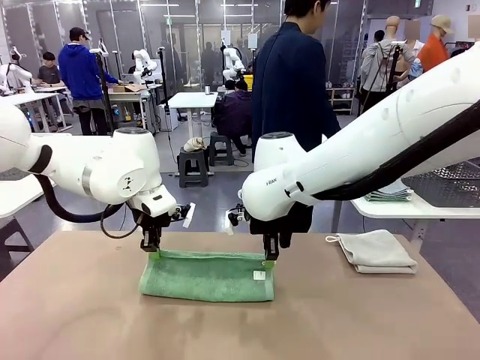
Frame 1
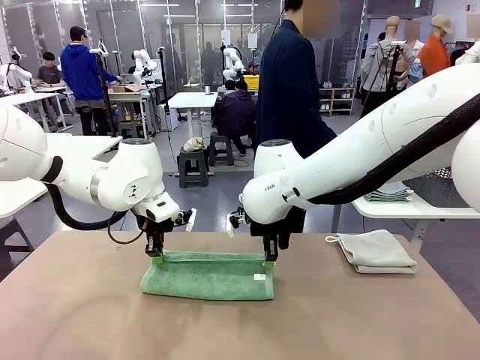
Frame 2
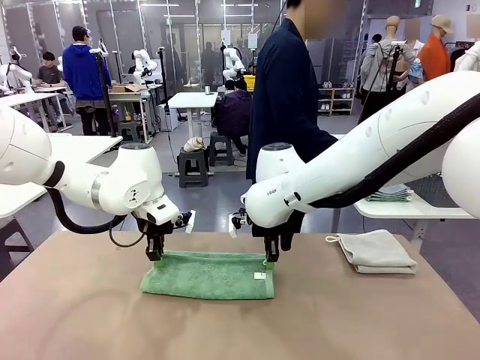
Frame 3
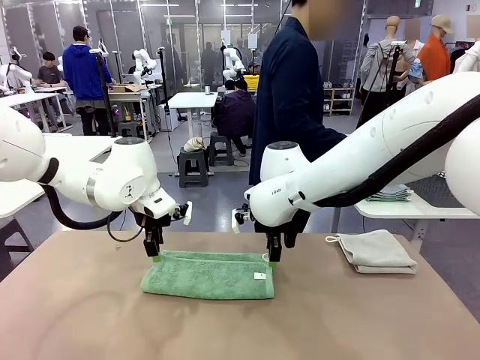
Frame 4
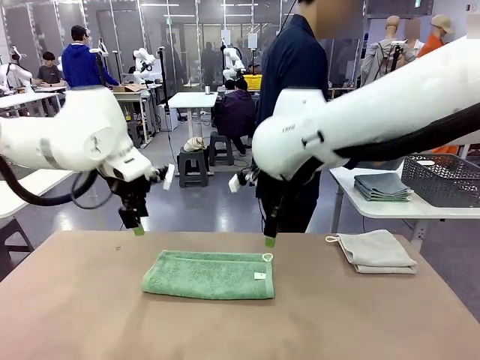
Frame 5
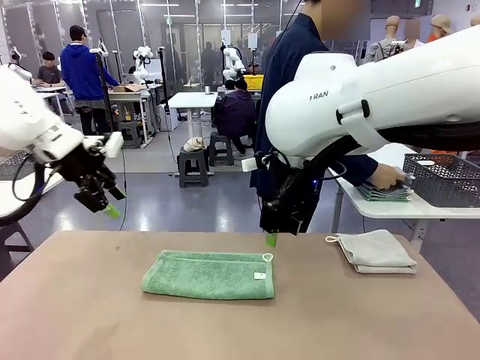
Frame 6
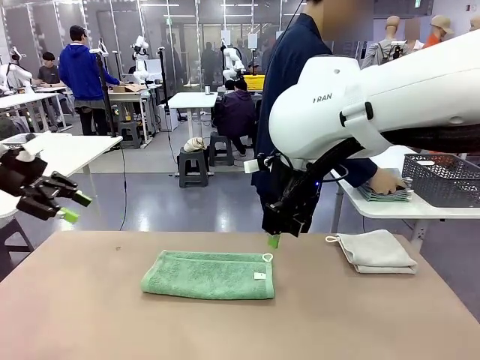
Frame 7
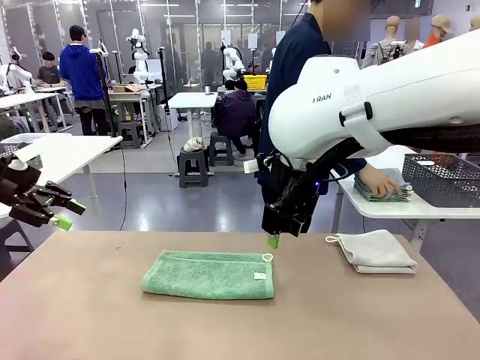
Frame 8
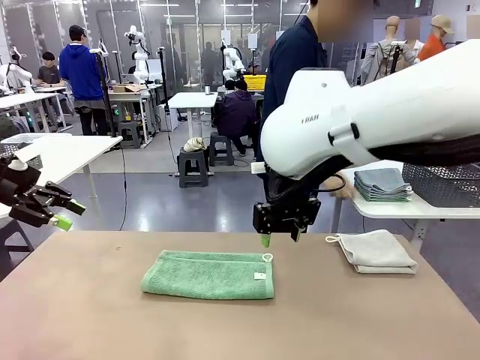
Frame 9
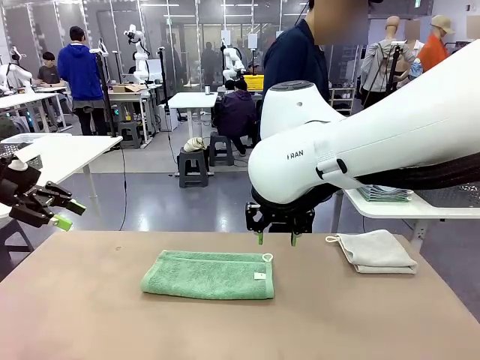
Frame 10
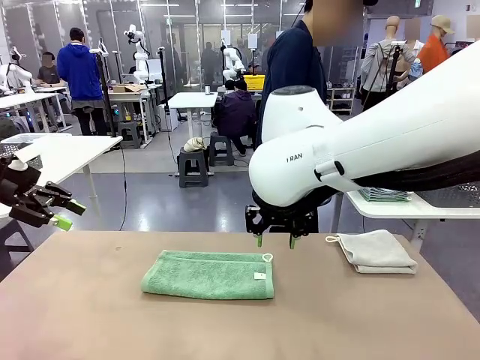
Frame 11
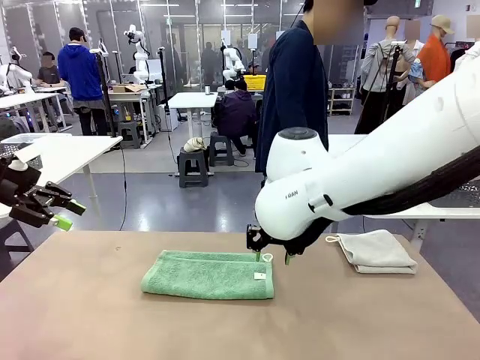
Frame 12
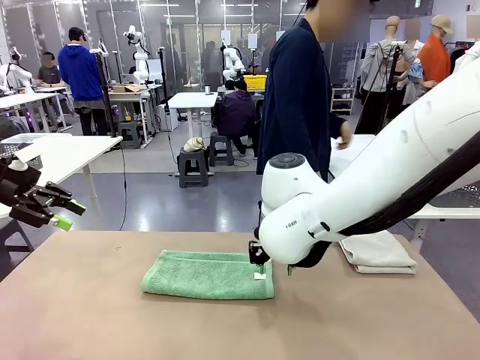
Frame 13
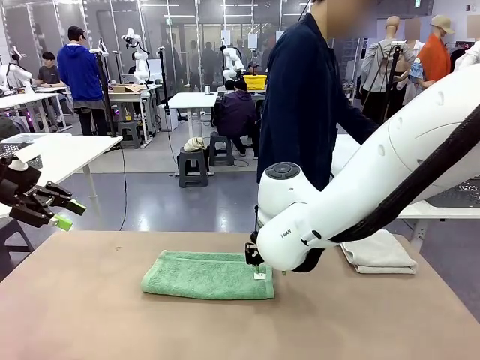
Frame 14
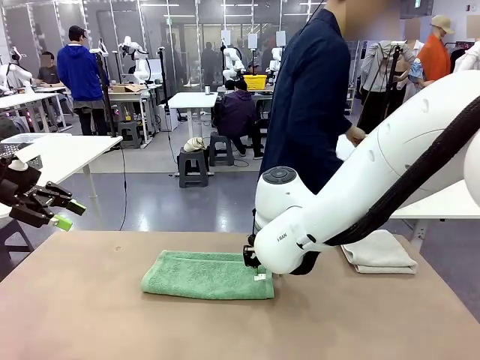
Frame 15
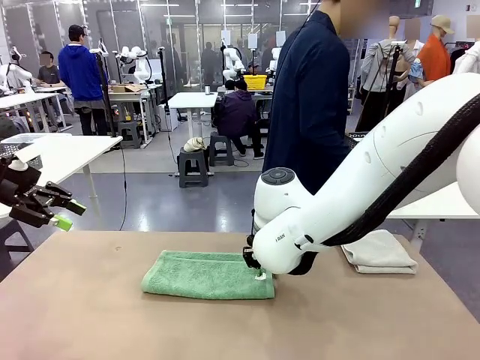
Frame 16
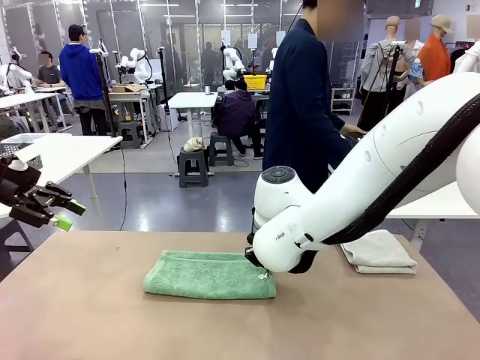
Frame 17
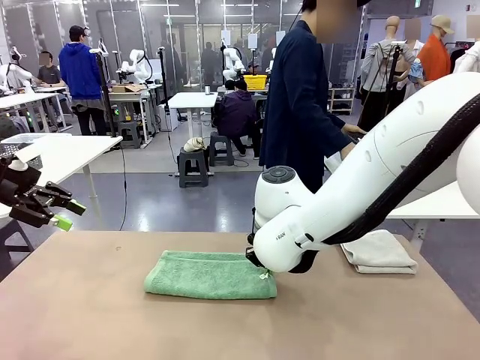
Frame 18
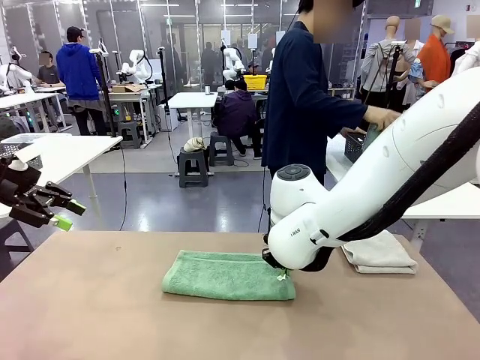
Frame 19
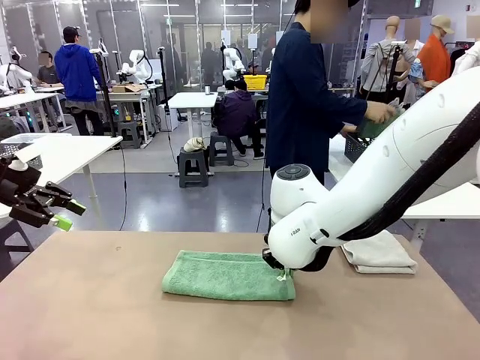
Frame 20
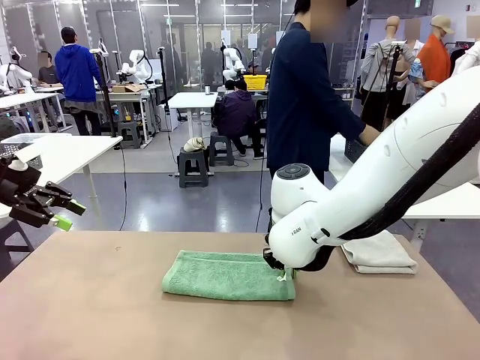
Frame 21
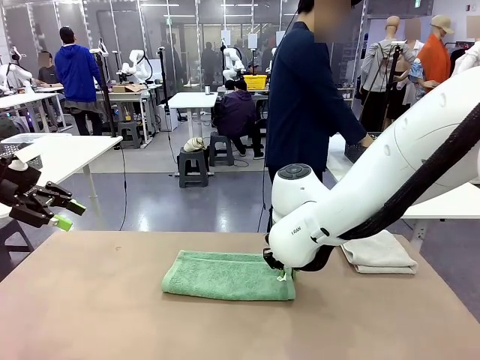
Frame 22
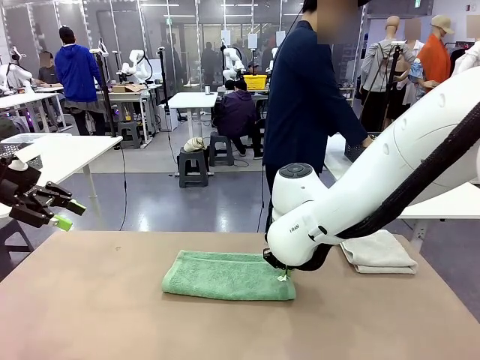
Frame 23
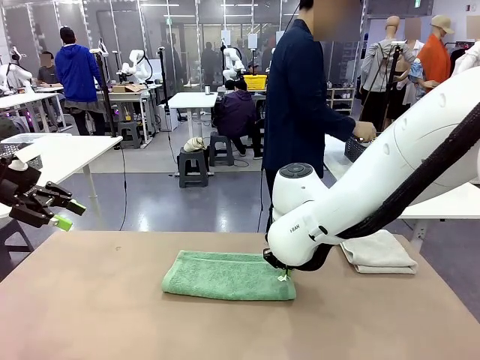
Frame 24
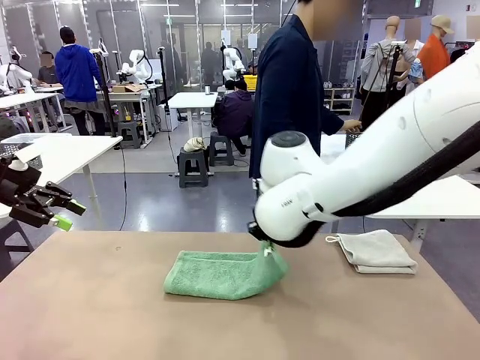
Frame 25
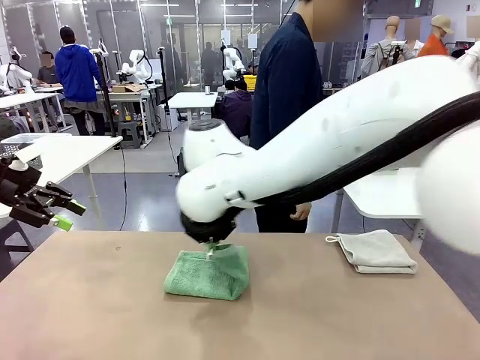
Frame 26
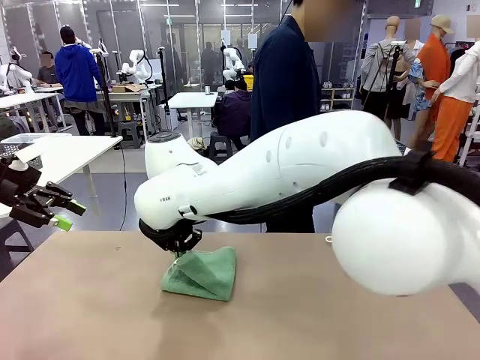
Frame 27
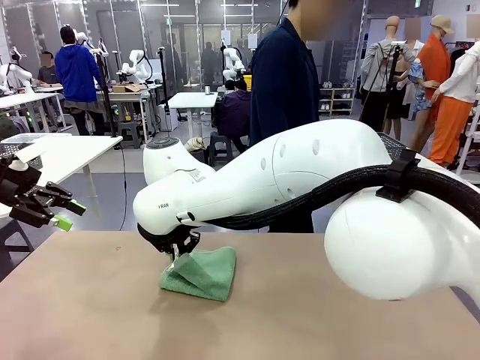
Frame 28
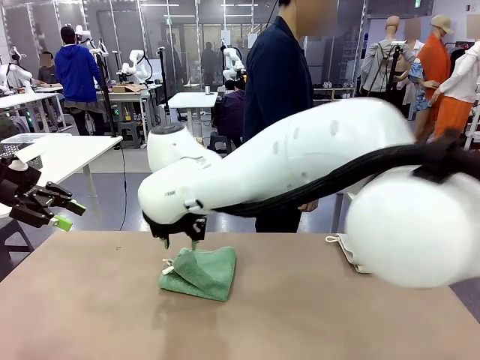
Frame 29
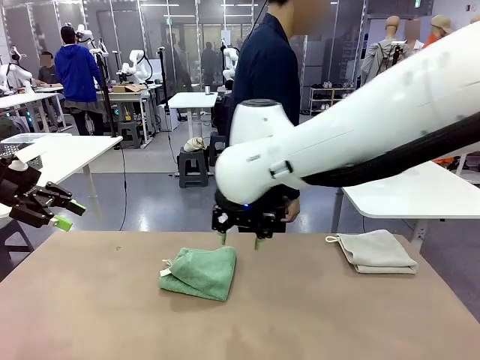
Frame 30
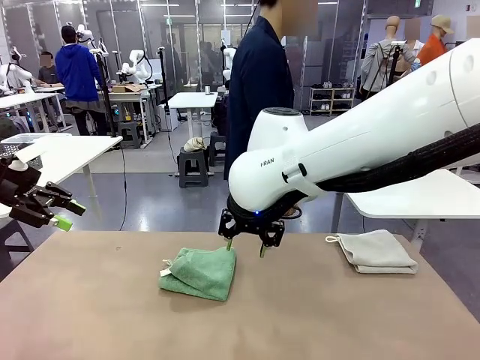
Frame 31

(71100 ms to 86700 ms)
Task: Fold the towels and place them in the basket.
Robot: When a person lays out a Towel with hook on the table, fold it in half twice.
Person: Pick up the stack of towels from the right side of the human table, place it into the basket, and put the basket at the center of the table.

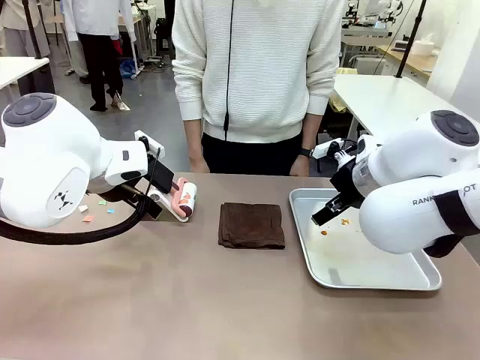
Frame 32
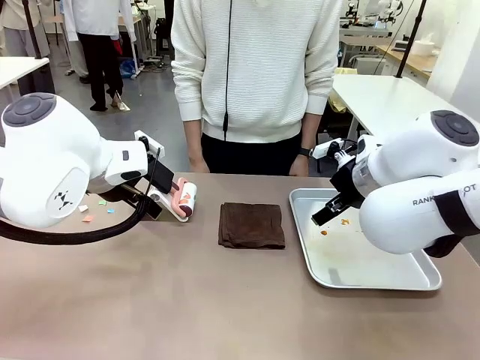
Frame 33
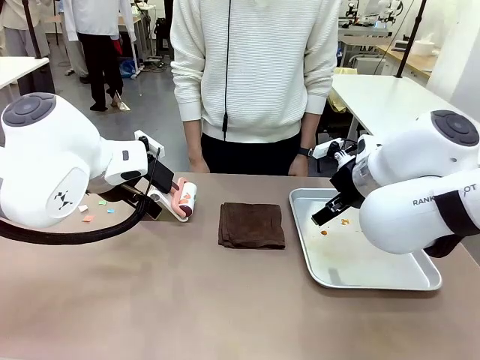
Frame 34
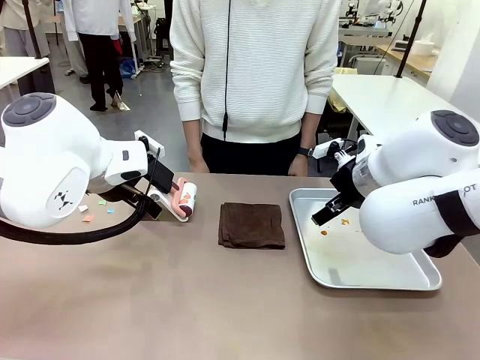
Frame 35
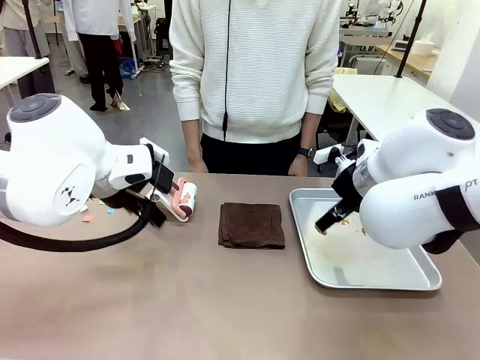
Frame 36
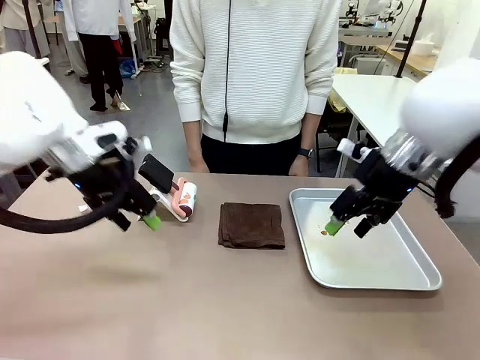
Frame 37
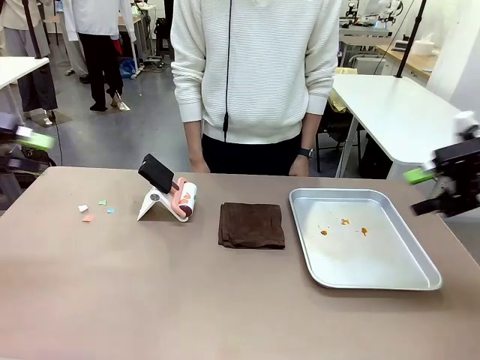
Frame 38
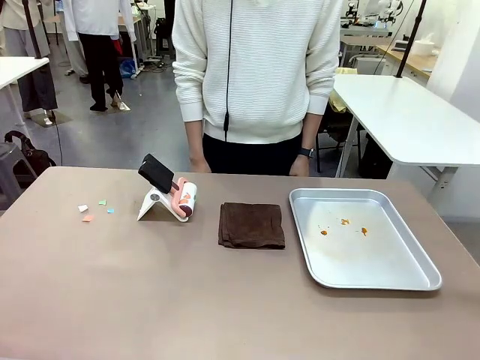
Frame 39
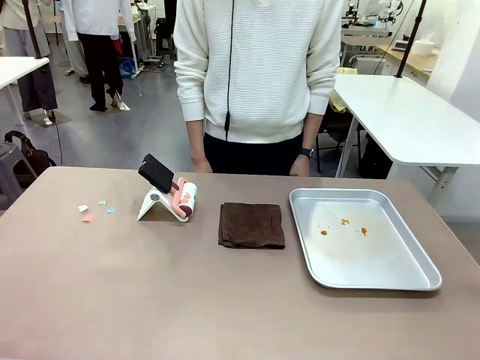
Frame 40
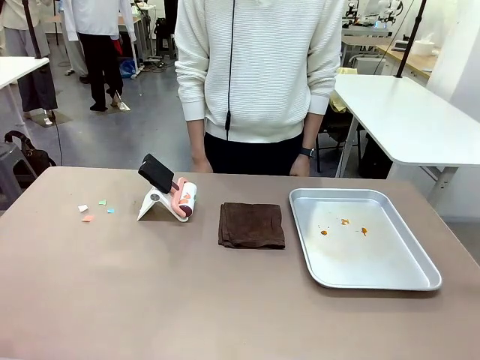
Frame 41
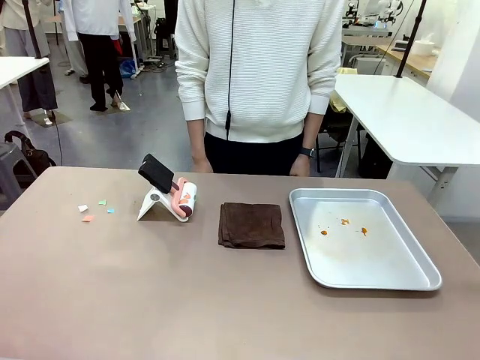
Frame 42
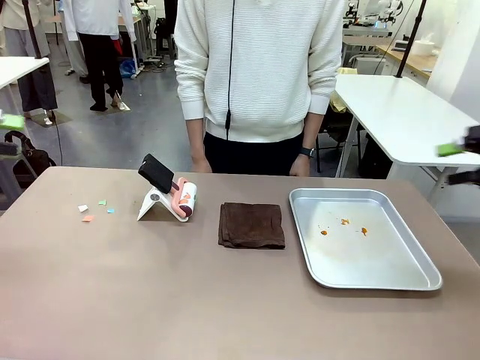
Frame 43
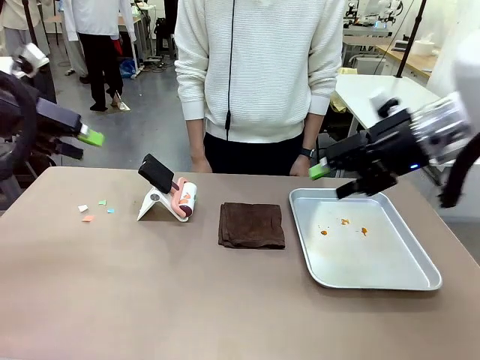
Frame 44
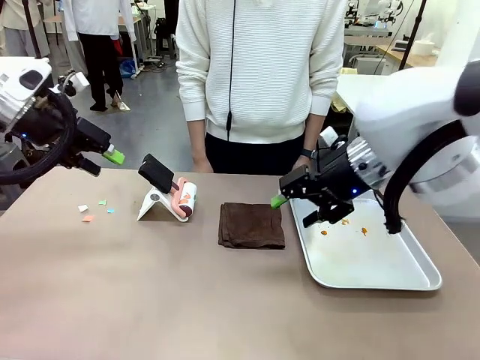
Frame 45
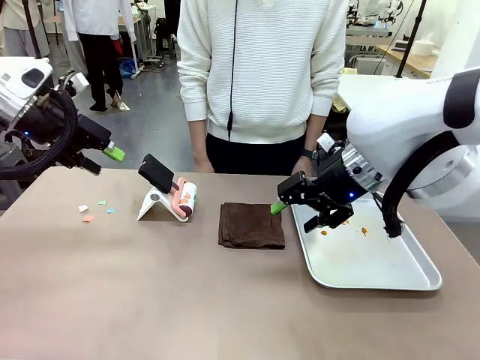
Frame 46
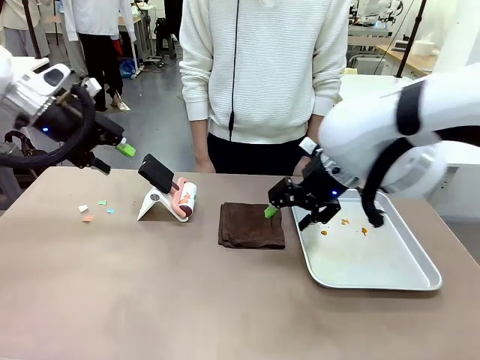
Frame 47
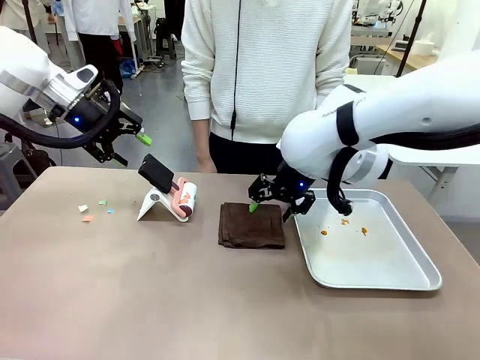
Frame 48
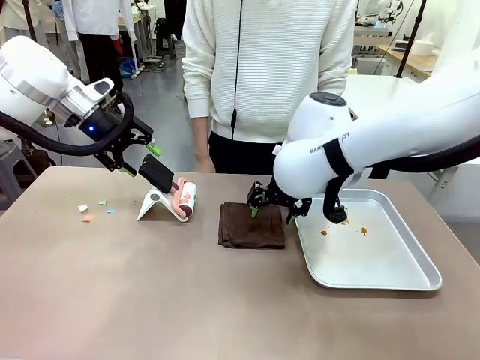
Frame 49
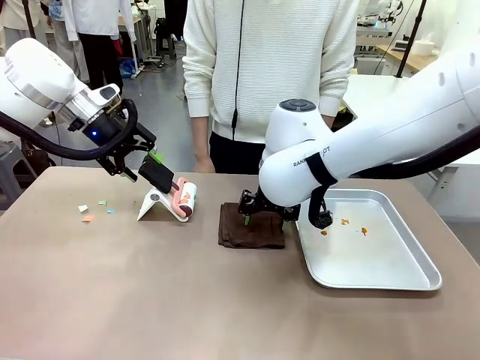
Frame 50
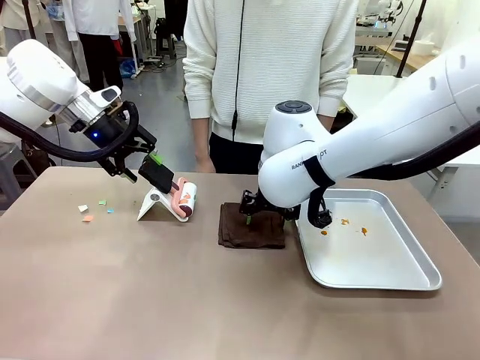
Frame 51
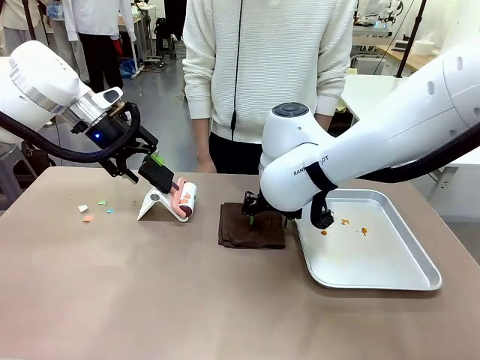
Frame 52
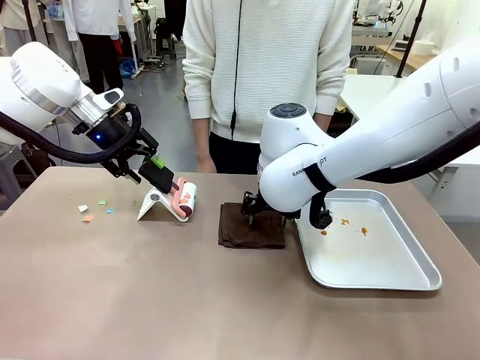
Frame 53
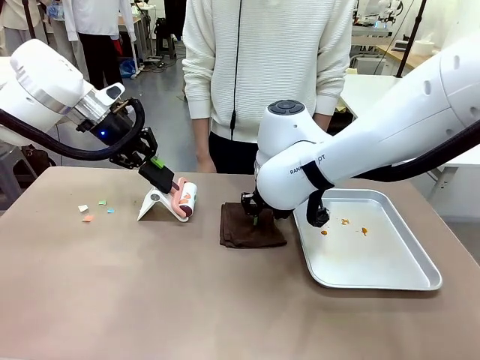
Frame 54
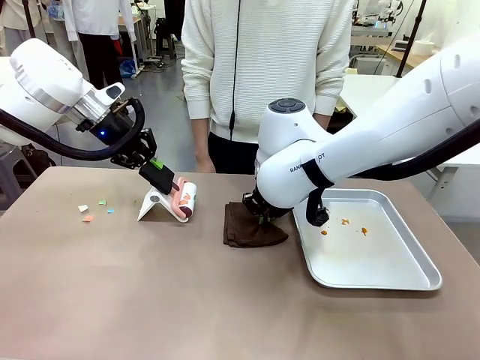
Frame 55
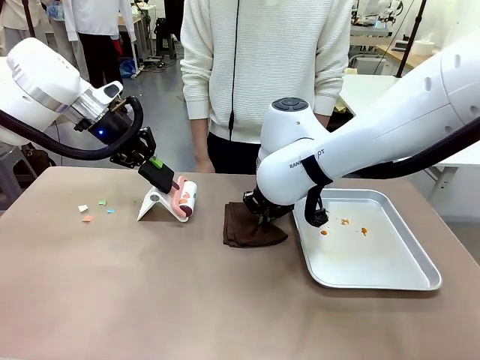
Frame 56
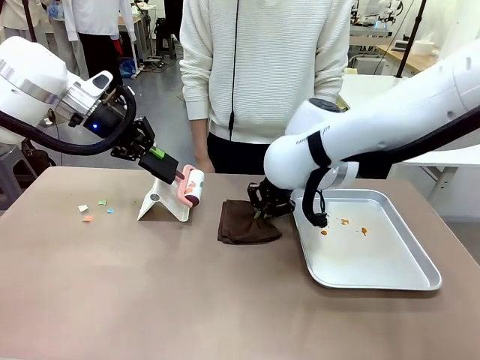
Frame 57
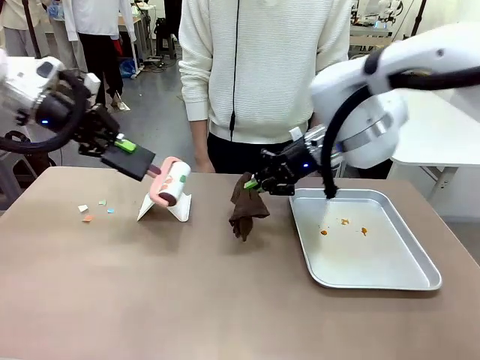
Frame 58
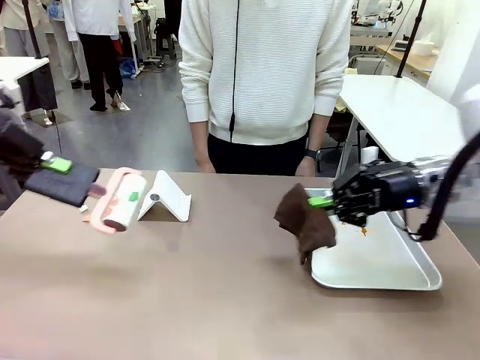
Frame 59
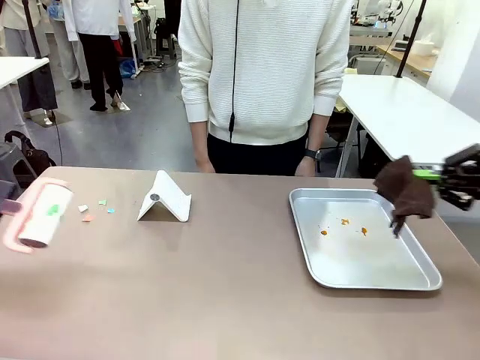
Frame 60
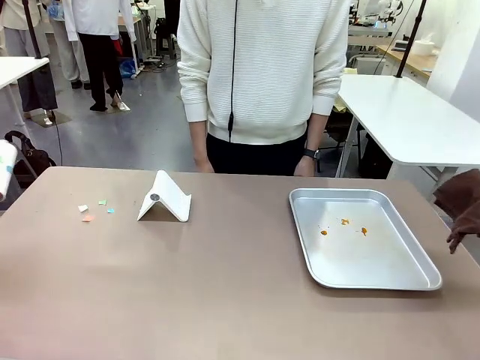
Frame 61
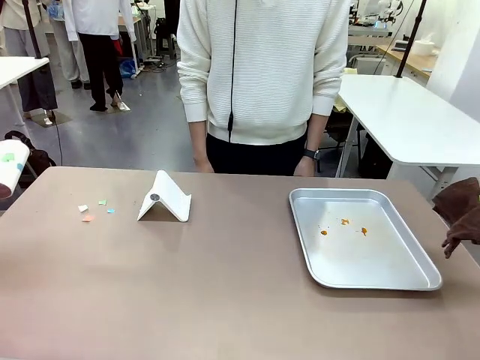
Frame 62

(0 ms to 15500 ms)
Task: Clean the surface of the table.
Robot: Hold the Lint Roller with your left hand and the towel with your right hand.
